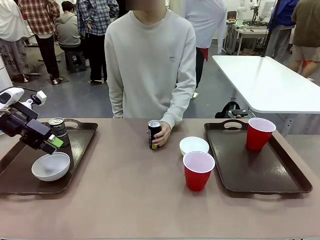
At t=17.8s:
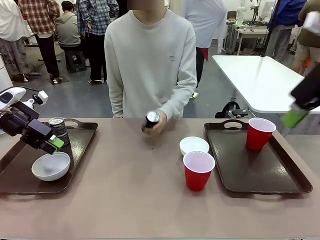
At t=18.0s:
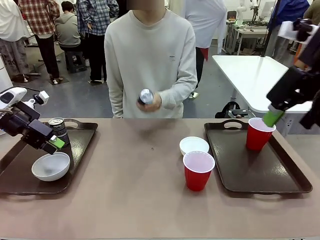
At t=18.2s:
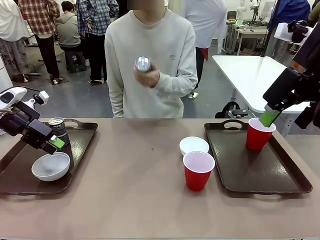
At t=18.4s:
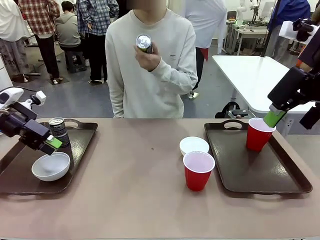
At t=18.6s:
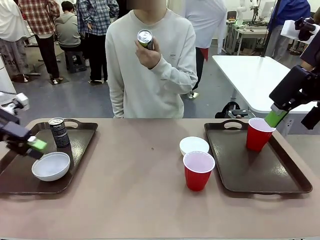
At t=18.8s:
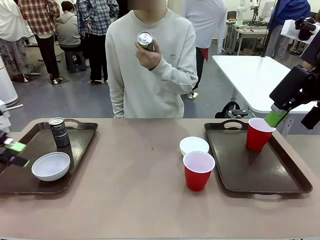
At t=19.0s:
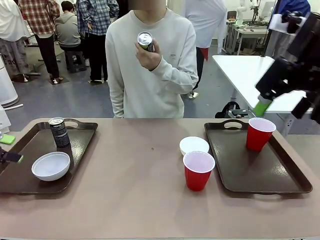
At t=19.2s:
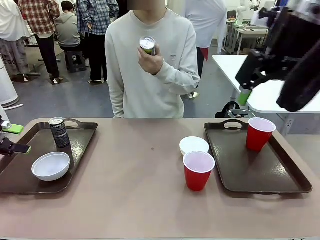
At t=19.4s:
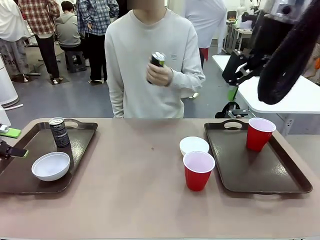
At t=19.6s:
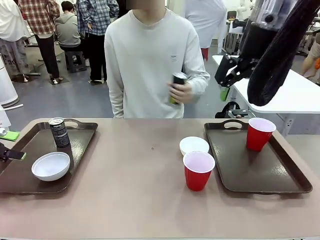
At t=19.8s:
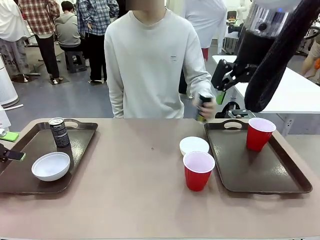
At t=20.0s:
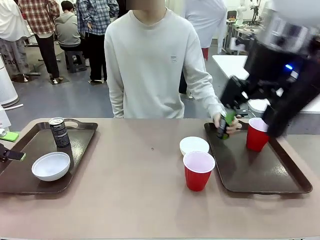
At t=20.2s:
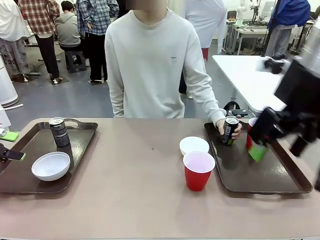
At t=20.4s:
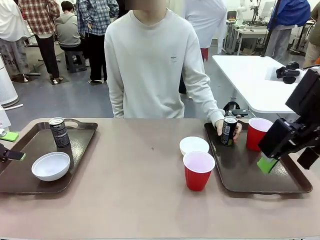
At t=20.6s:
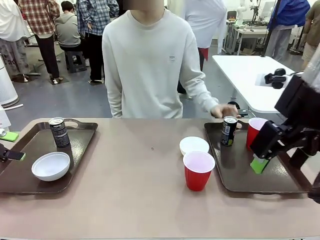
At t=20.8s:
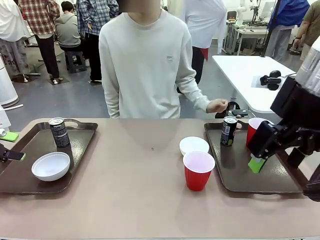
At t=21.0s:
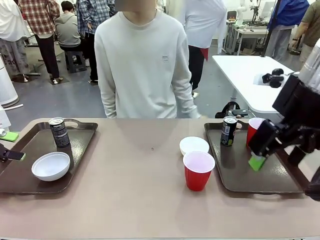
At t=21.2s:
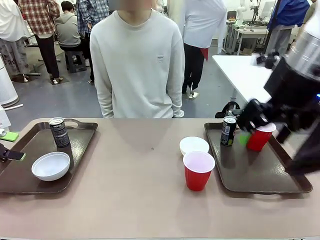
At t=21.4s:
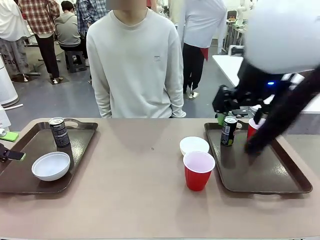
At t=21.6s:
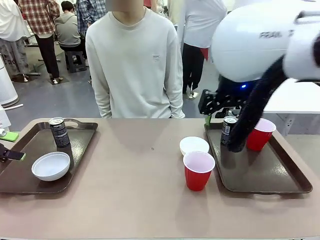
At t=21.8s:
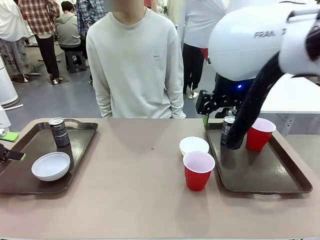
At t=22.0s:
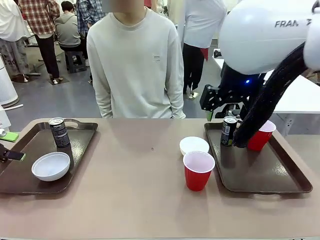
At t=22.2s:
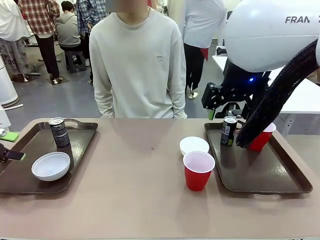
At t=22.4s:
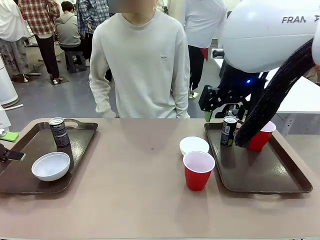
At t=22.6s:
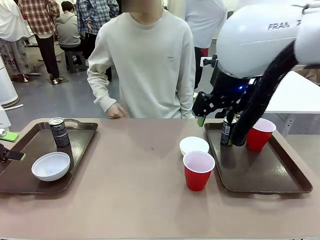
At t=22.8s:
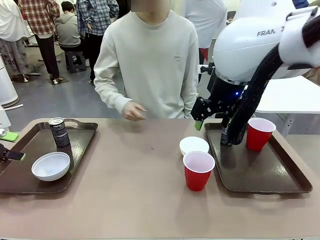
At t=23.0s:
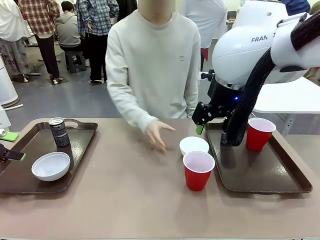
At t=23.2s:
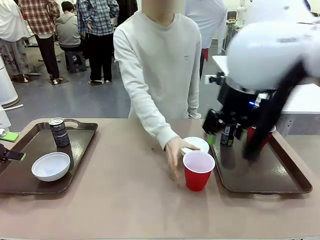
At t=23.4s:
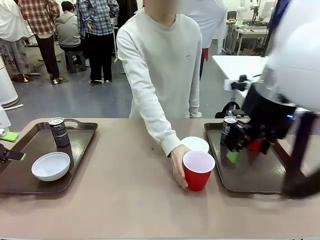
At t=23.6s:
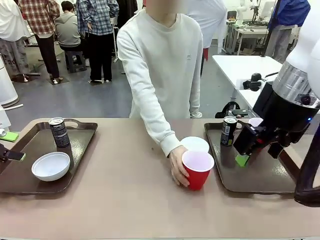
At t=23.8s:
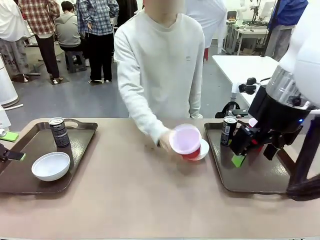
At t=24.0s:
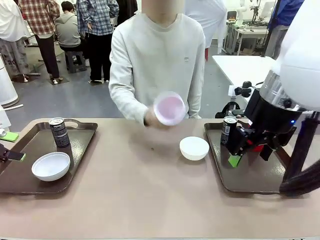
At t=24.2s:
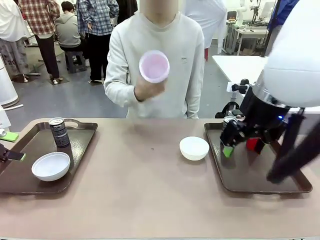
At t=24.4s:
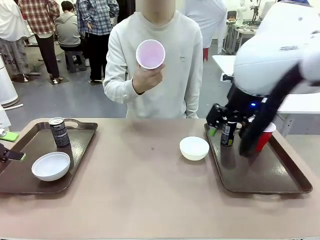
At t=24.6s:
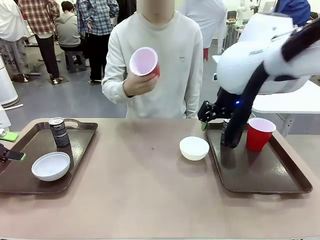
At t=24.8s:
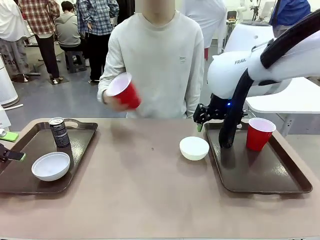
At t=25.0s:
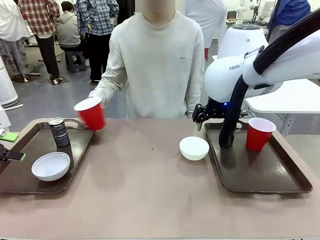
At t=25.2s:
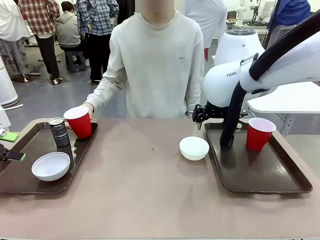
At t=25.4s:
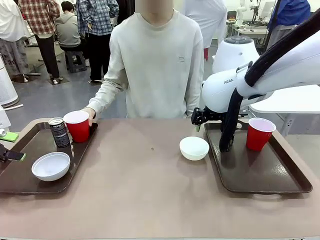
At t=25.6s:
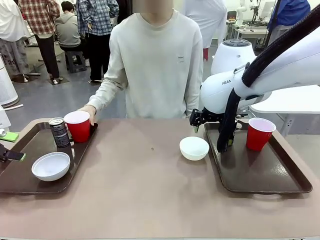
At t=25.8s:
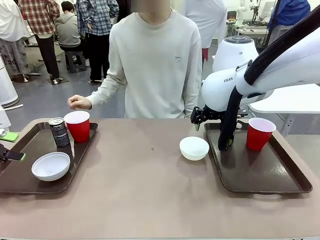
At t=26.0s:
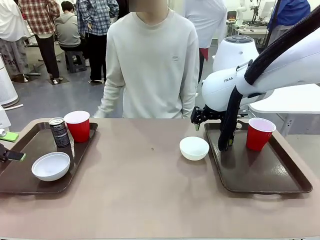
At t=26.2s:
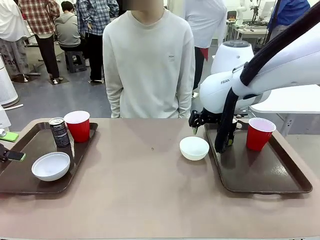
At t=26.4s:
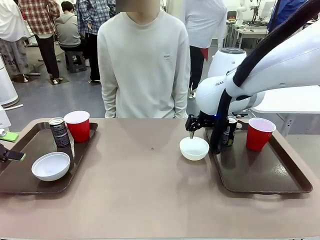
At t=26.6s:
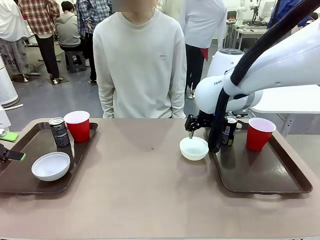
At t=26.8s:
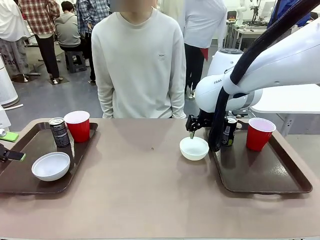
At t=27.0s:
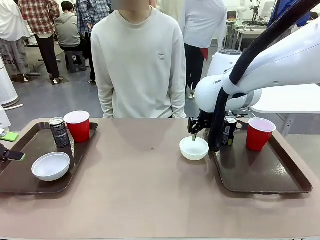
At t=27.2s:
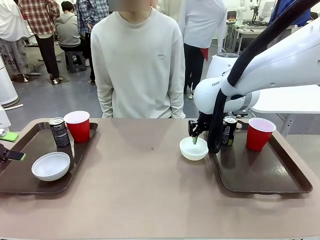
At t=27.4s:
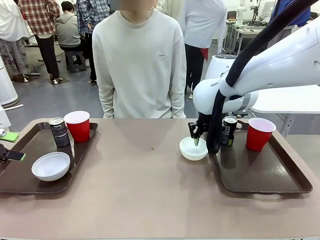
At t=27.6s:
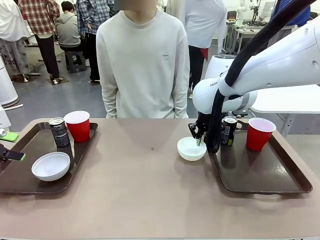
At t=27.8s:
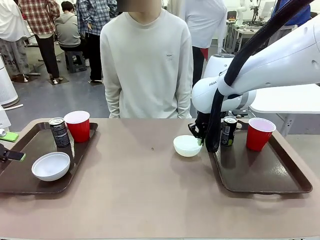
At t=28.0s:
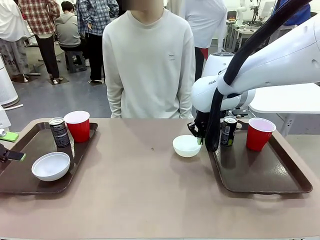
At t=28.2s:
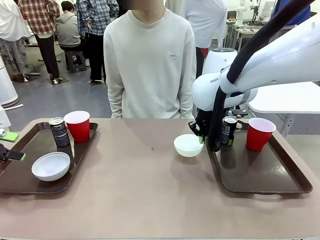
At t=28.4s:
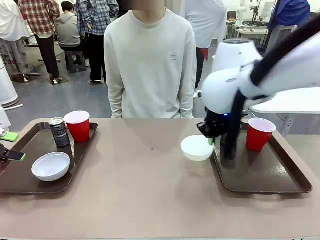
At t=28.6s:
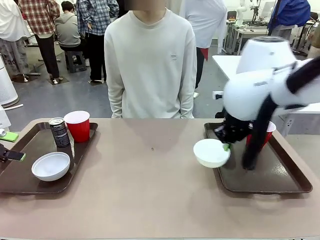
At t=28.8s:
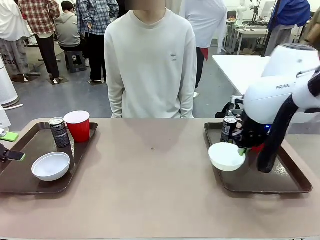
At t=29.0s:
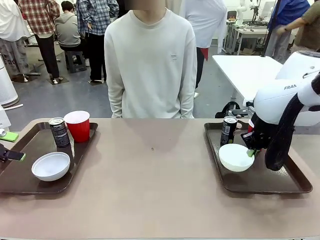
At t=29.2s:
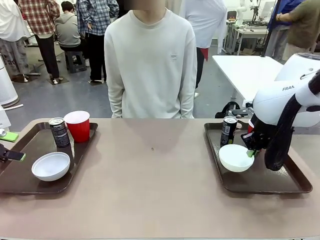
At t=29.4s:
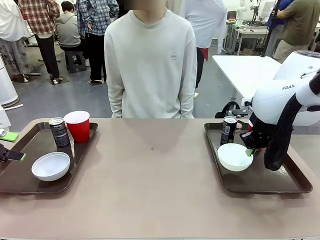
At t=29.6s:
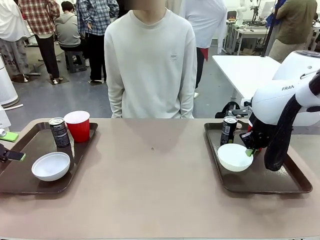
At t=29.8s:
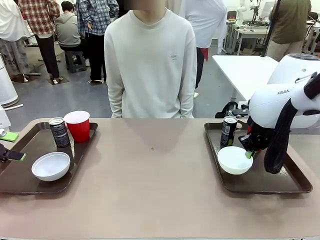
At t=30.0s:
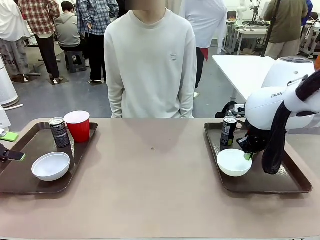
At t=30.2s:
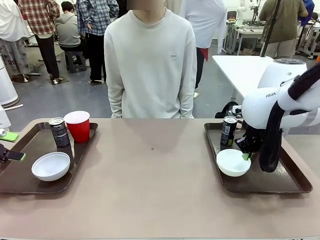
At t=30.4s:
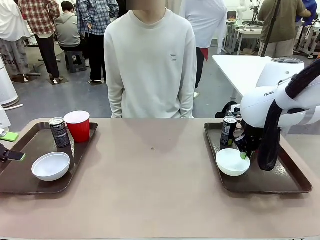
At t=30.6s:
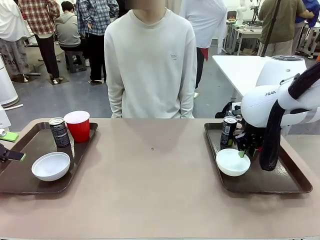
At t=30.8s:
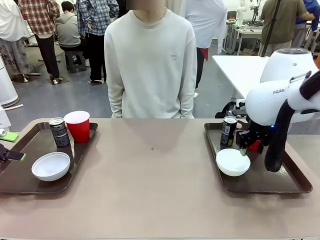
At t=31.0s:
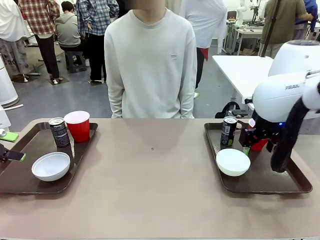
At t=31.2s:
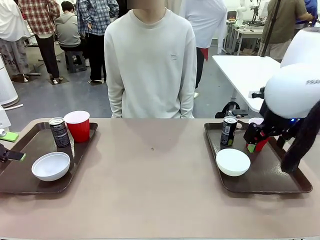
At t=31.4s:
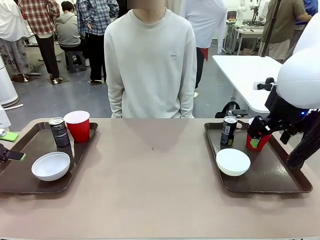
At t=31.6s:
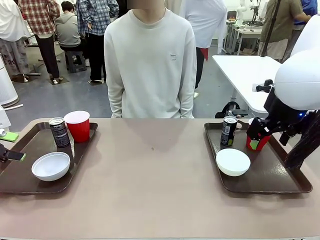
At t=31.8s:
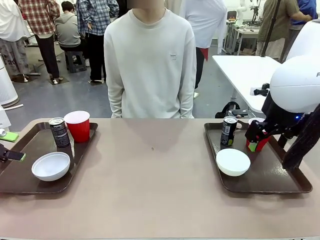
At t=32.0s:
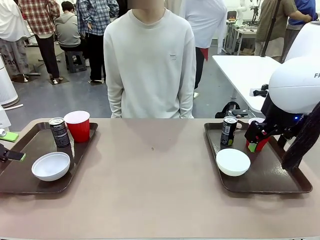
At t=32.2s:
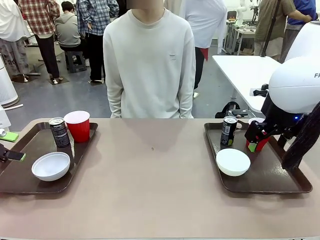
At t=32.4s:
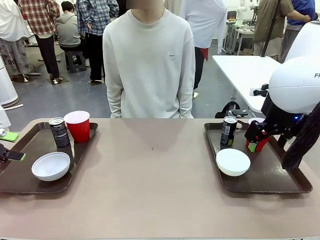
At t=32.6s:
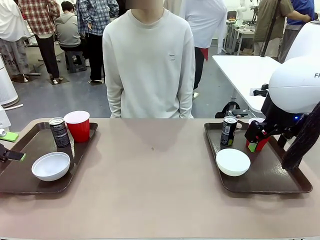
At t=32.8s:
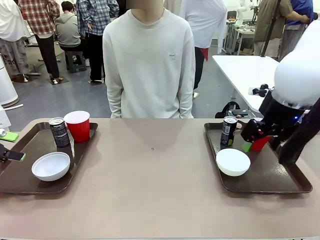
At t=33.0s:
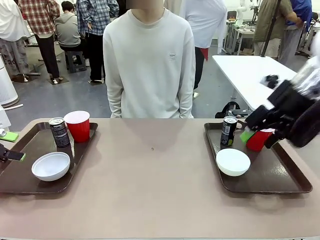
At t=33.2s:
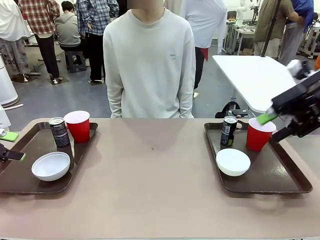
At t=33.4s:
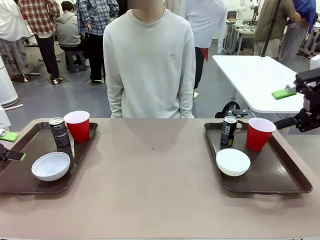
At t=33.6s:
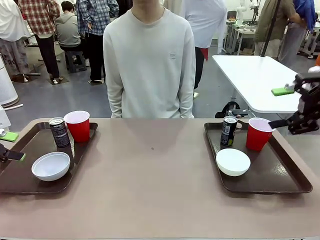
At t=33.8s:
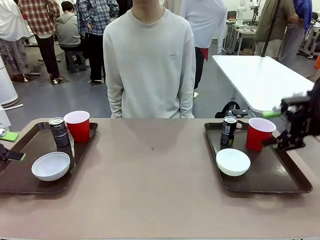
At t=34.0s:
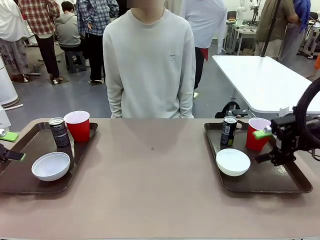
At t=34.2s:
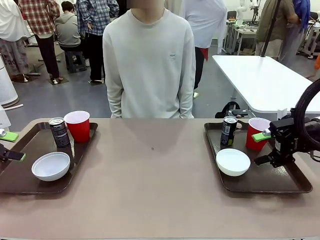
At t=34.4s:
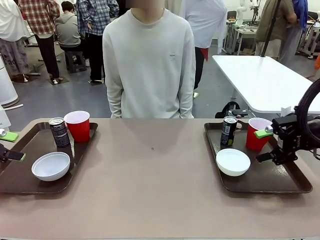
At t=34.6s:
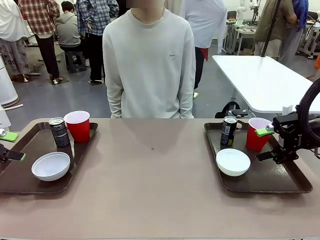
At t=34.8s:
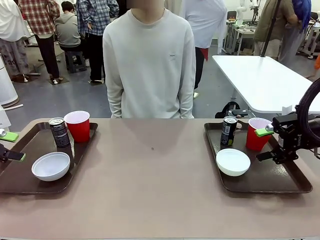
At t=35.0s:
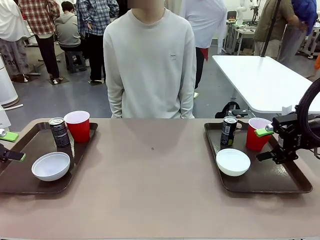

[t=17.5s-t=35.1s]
Task: Prepare tableware on both trays.
Robot: Pick up a Picnic Bowl from the table and place it on a Handle tray.
Person: Pick up a can or cup and place it on the tray without a can or cup.
